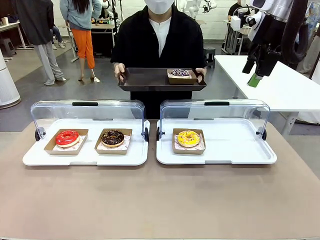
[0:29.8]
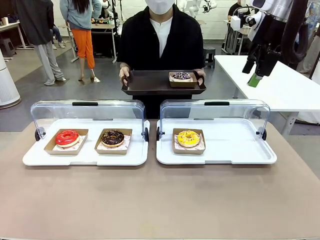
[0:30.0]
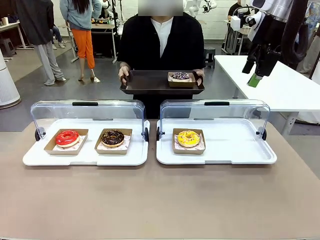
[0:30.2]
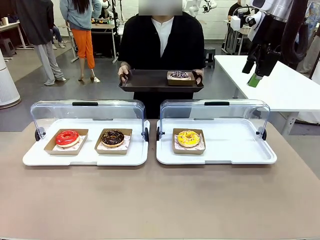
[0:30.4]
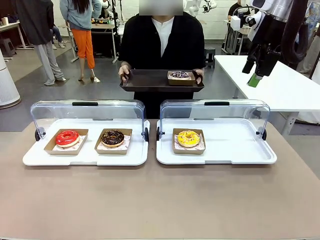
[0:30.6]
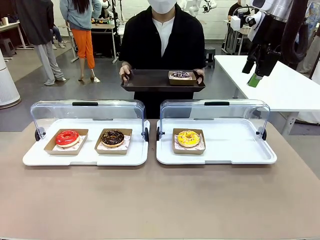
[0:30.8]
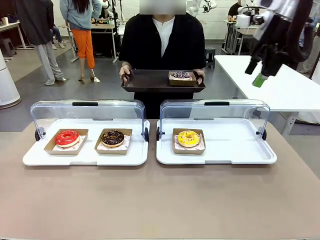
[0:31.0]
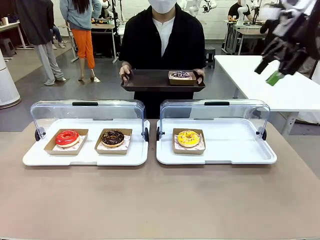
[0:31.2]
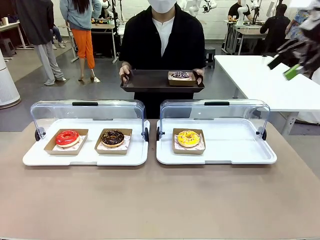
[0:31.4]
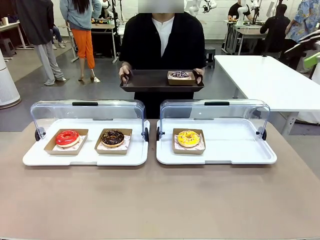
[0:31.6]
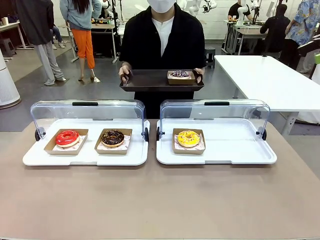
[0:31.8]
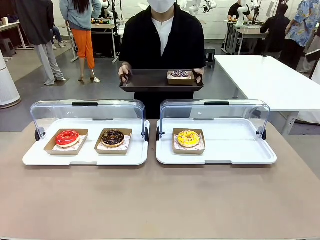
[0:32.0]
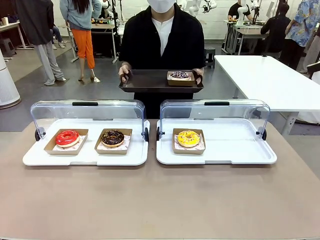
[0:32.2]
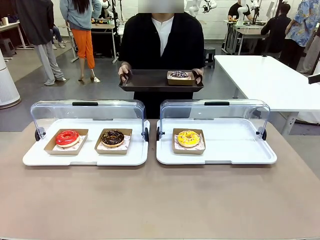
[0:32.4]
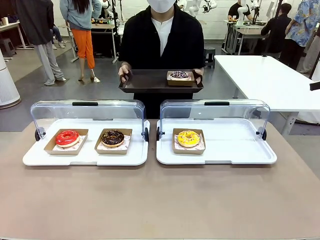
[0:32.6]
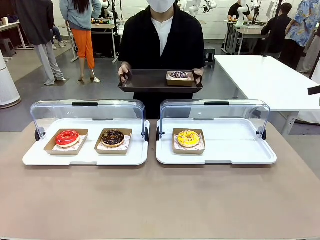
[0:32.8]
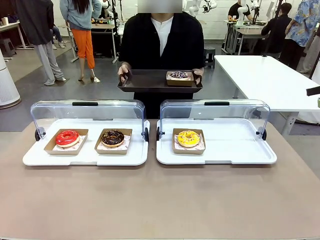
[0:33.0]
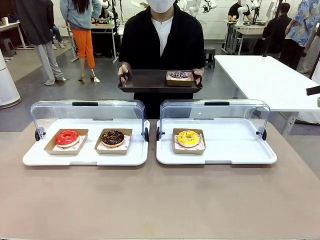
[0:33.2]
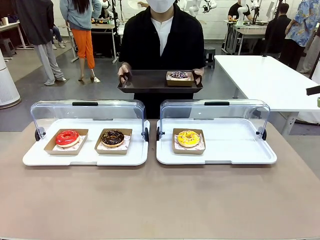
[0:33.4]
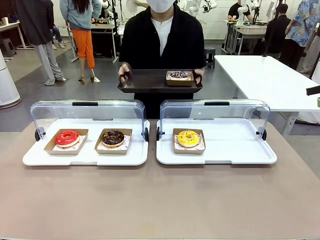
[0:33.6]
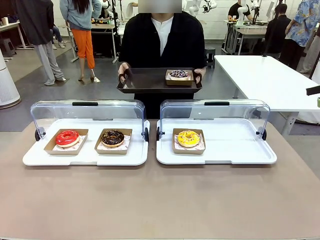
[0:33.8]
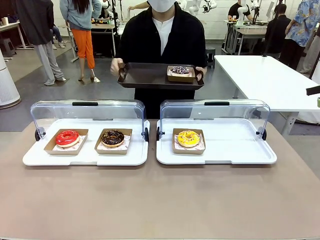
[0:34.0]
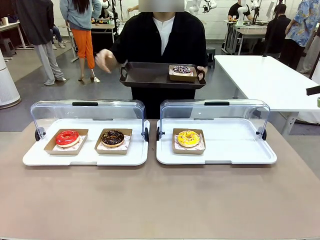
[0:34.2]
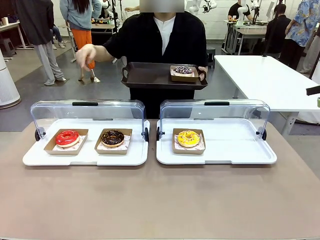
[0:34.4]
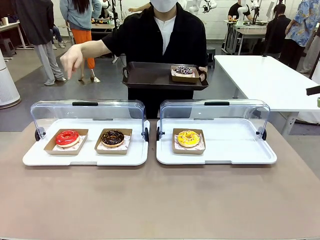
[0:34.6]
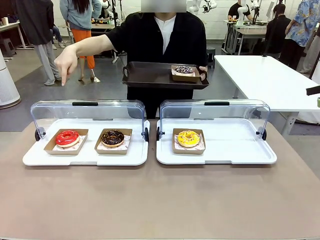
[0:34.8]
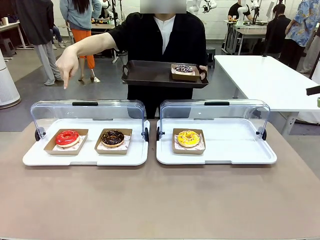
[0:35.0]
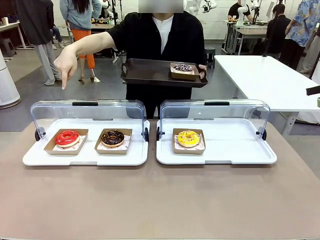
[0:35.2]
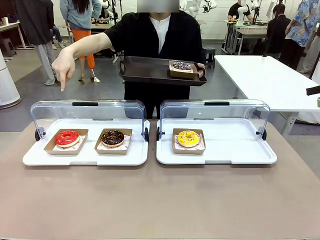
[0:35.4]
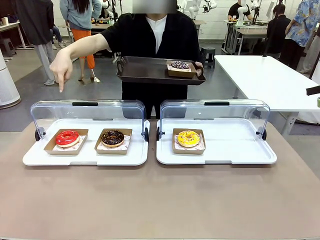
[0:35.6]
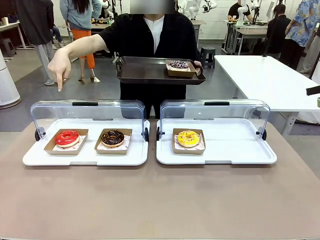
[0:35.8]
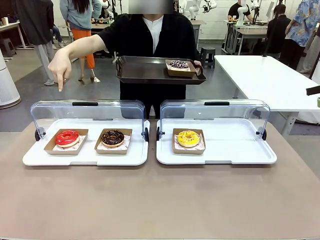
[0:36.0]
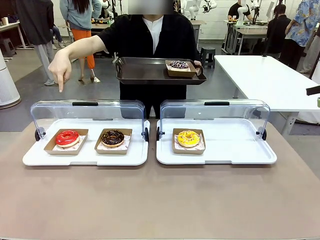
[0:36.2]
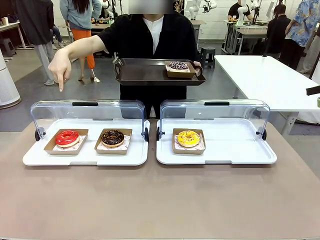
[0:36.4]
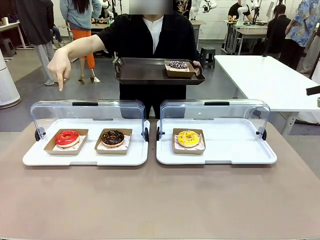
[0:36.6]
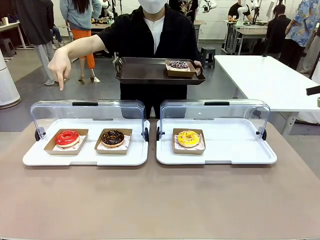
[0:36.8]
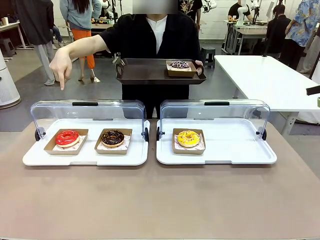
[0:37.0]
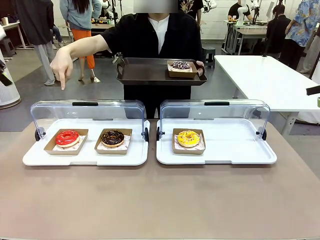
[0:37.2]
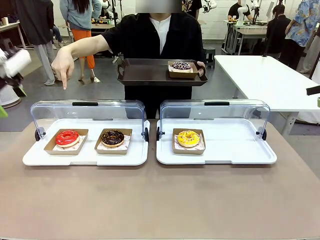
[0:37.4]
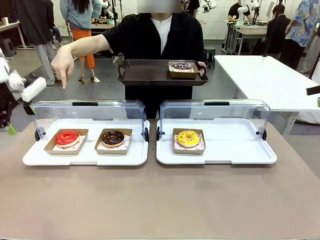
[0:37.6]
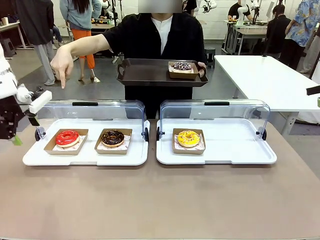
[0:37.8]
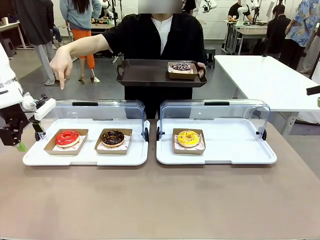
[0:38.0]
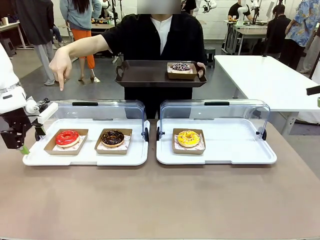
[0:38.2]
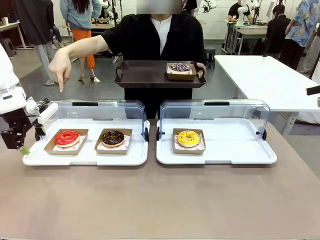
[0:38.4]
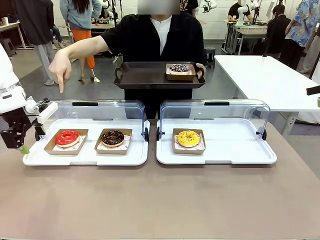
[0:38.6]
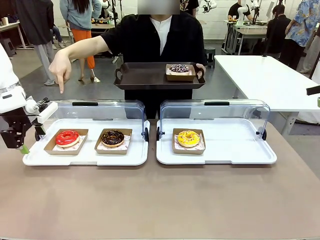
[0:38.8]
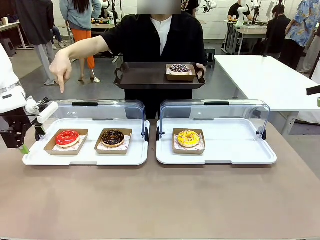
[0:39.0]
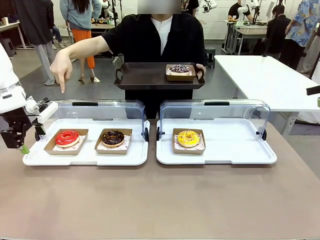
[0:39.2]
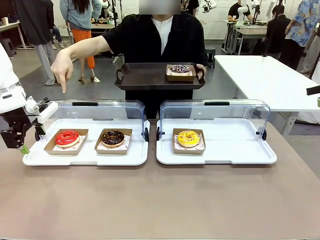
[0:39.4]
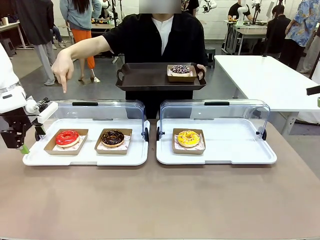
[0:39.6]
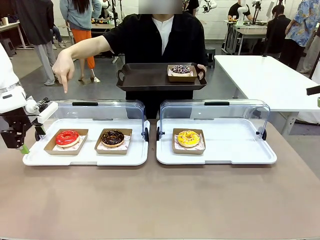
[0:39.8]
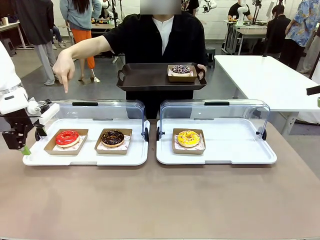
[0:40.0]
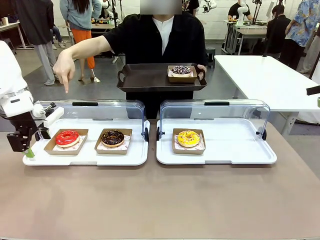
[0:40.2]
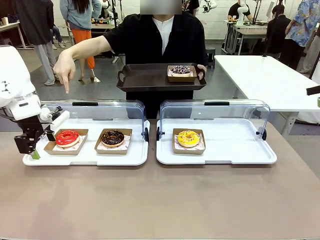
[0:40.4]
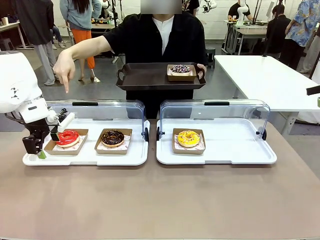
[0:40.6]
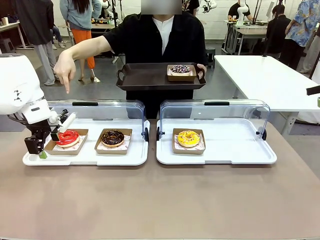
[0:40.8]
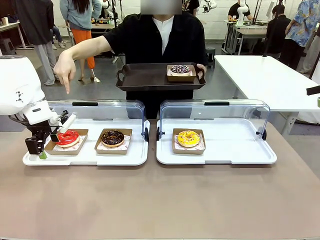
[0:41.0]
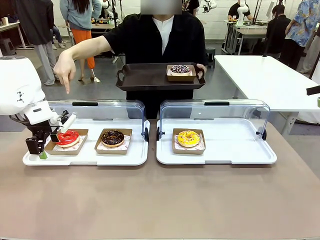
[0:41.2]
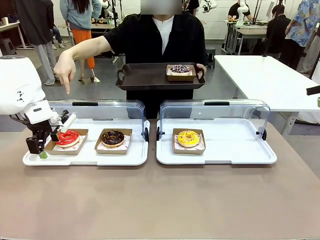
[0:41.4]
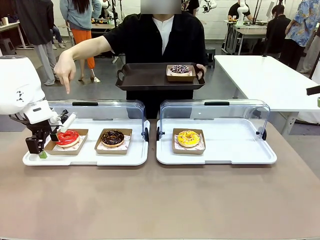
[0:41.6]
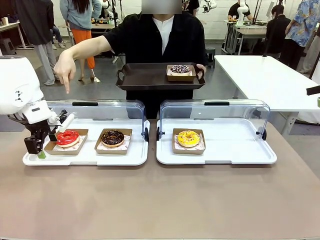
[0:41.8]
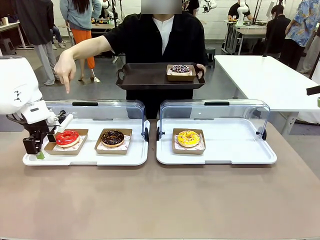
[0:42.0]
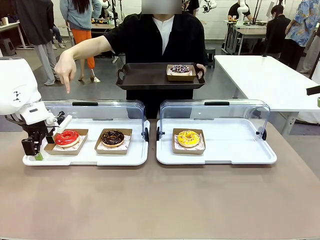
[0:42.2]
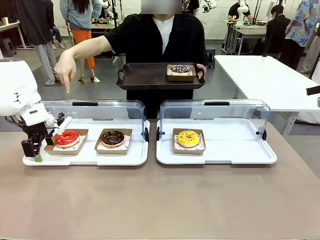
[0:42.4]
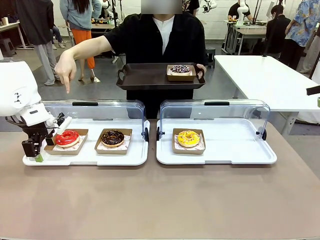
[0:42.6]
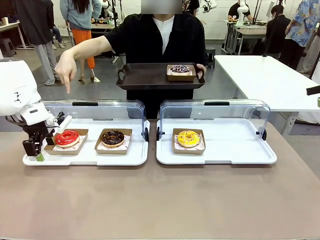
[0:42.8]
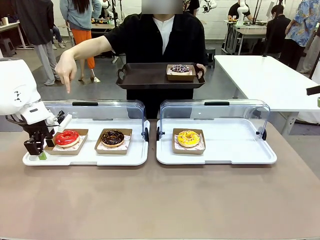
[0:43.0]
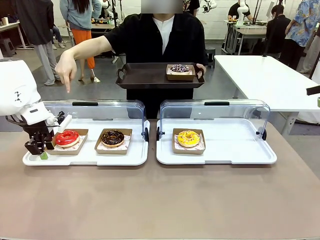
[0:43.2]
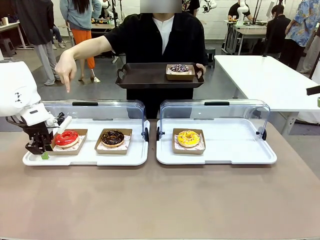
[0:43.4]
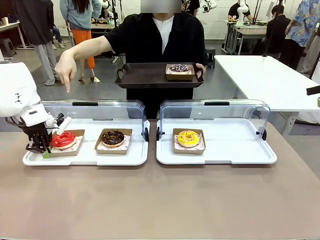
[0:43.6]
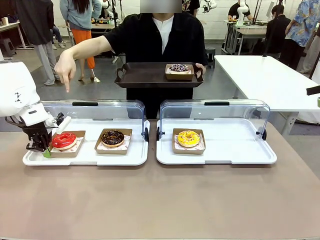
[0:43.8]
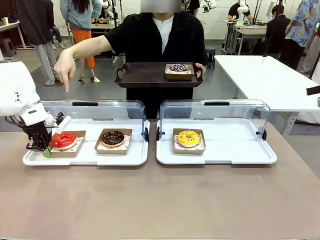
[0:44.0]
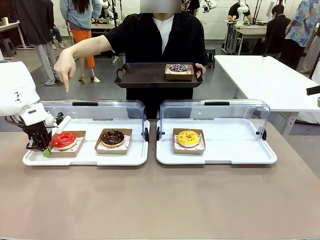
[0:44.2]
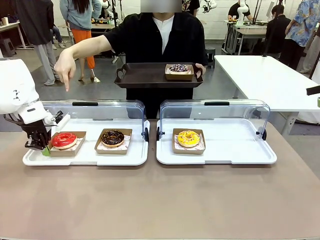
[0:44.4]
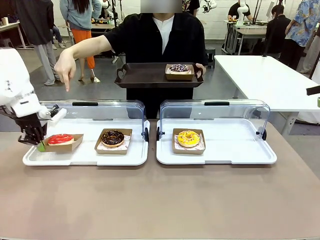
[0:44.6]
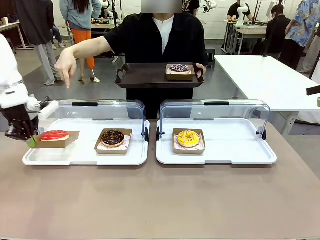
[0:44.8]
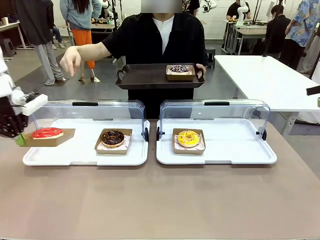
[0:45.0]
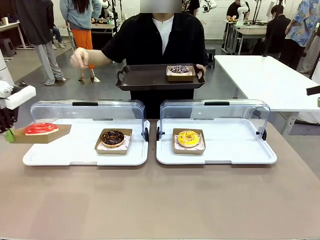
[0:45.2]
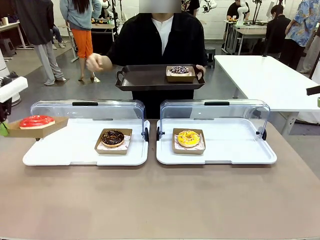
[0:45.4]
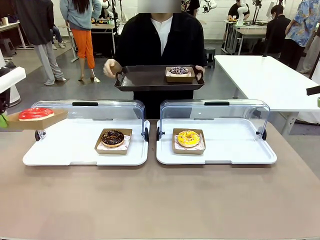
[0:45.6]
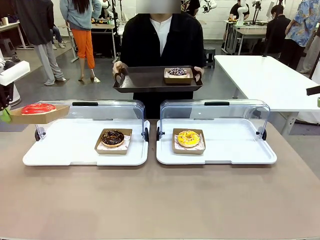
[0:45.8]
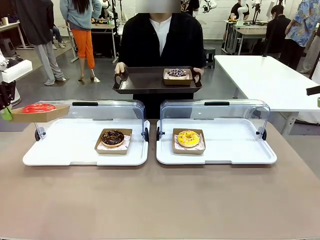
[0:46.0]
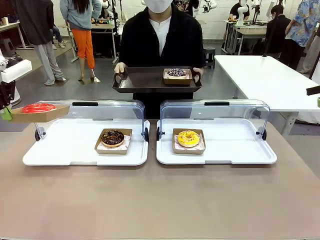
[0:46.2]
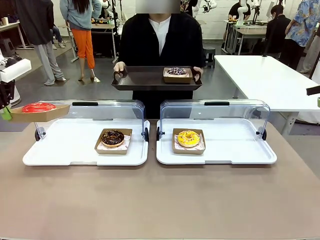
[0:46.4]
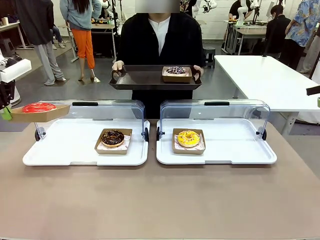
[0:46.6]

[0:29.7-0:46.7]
Task: Provide the desired donut to the person.
Robot: Pick up and lift the Paper togo box containing the Donut pointed at by the person.
Person: Point to one donut. Lift the tray onto the Roll-Top Bakery Case.
